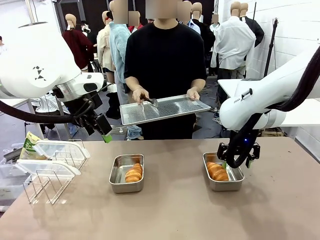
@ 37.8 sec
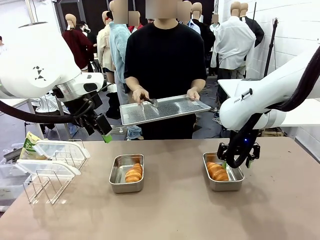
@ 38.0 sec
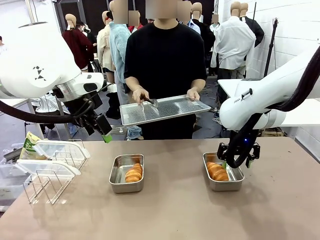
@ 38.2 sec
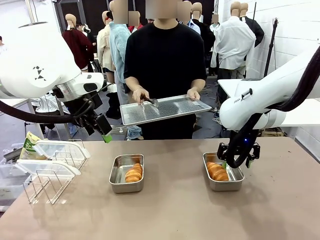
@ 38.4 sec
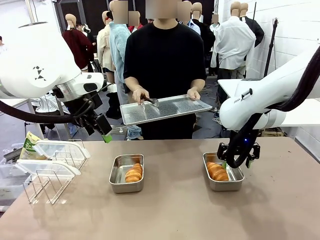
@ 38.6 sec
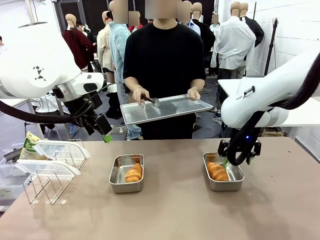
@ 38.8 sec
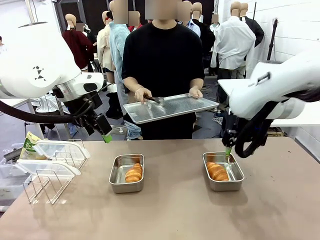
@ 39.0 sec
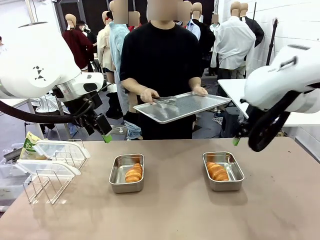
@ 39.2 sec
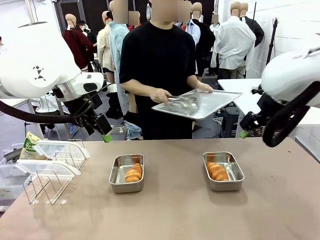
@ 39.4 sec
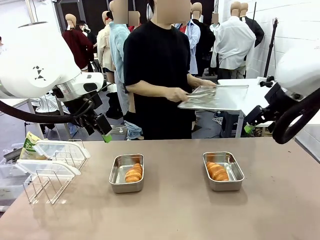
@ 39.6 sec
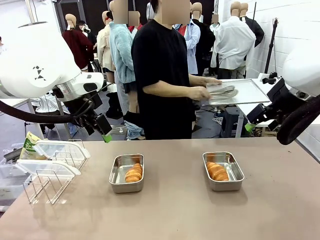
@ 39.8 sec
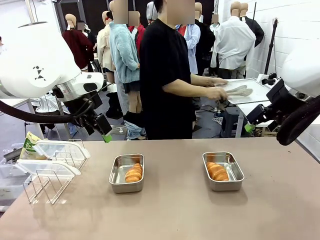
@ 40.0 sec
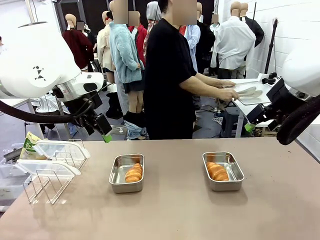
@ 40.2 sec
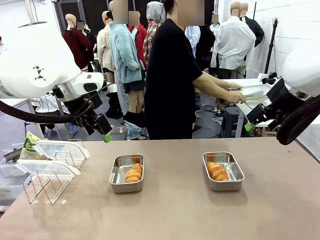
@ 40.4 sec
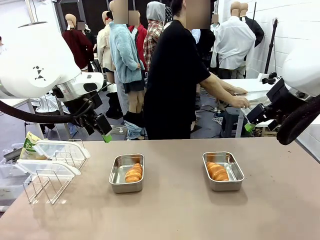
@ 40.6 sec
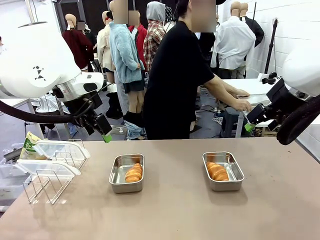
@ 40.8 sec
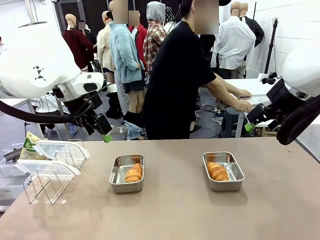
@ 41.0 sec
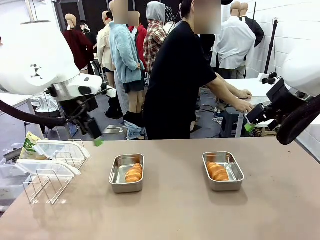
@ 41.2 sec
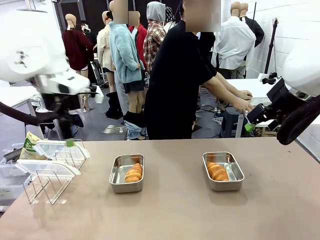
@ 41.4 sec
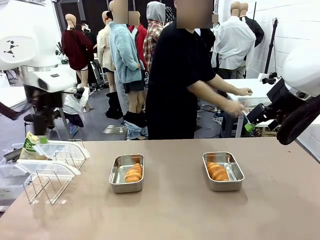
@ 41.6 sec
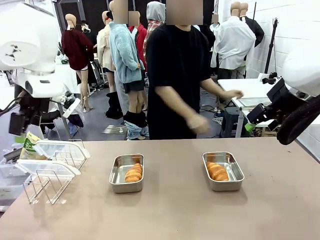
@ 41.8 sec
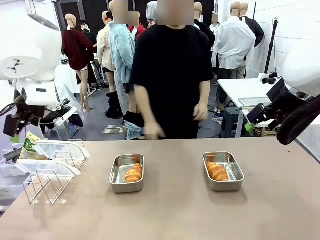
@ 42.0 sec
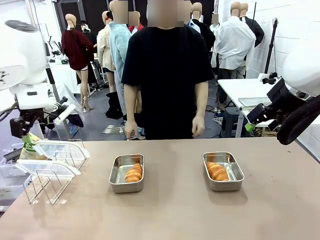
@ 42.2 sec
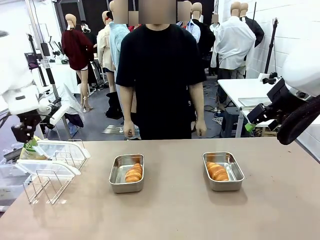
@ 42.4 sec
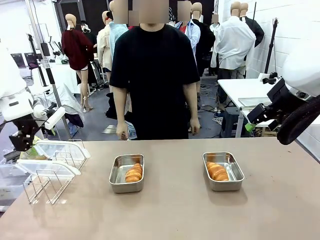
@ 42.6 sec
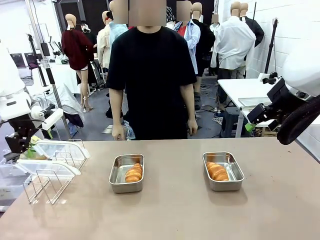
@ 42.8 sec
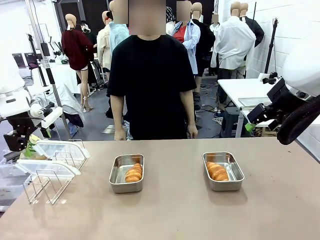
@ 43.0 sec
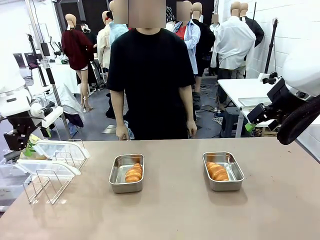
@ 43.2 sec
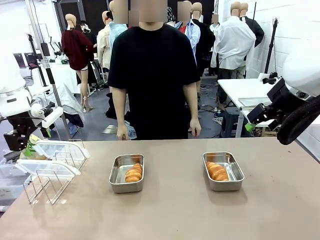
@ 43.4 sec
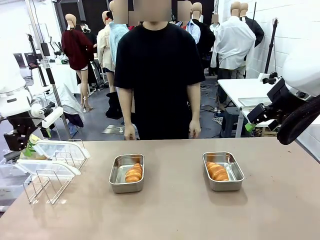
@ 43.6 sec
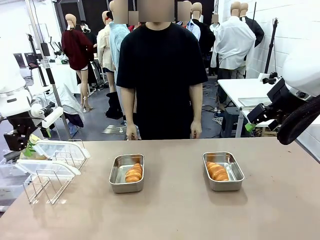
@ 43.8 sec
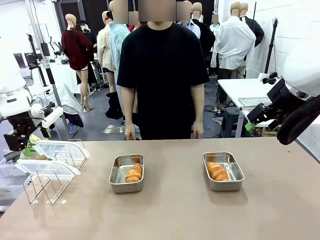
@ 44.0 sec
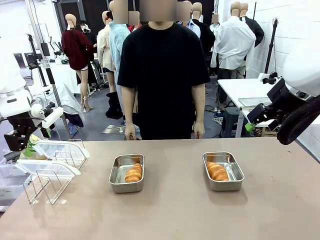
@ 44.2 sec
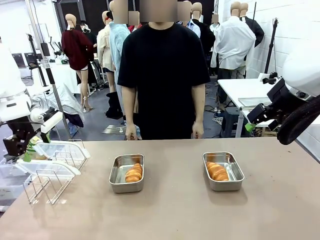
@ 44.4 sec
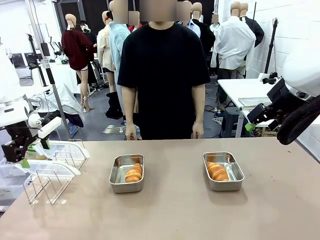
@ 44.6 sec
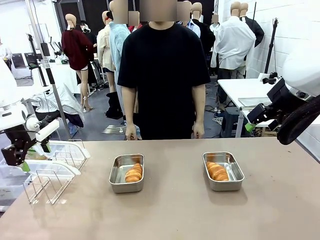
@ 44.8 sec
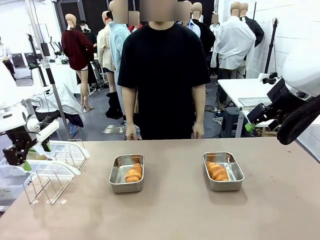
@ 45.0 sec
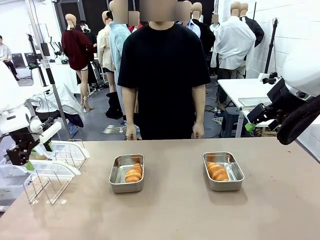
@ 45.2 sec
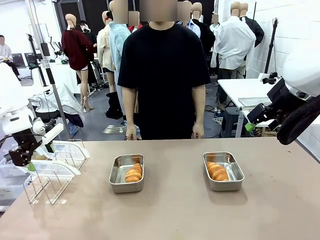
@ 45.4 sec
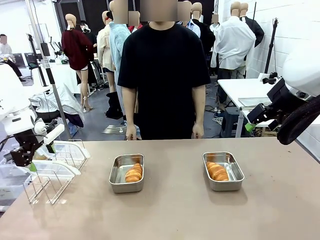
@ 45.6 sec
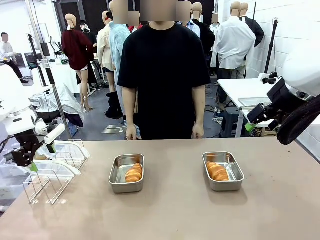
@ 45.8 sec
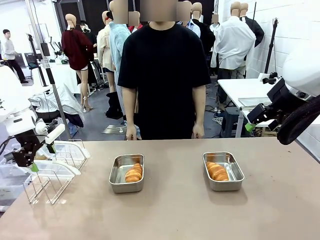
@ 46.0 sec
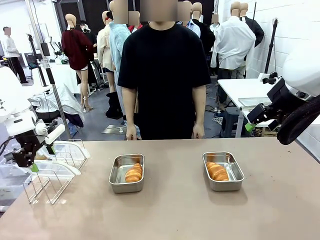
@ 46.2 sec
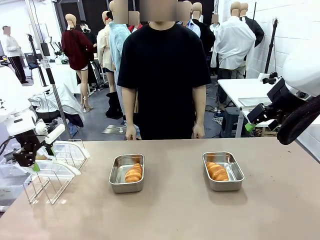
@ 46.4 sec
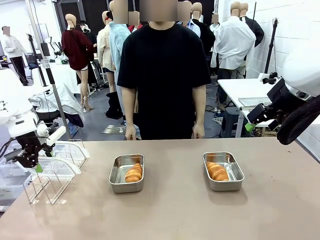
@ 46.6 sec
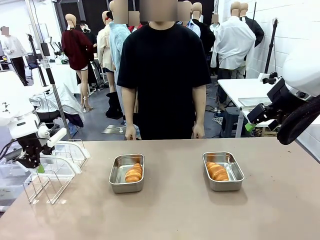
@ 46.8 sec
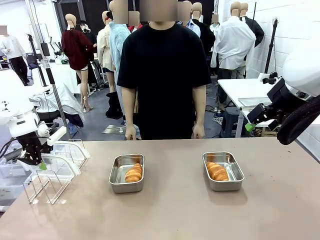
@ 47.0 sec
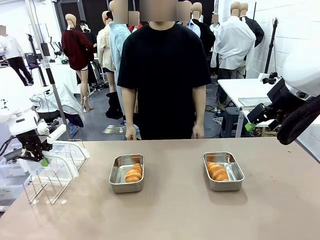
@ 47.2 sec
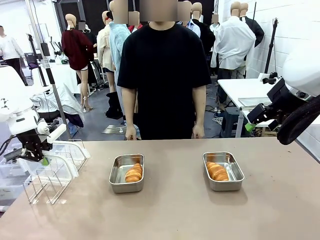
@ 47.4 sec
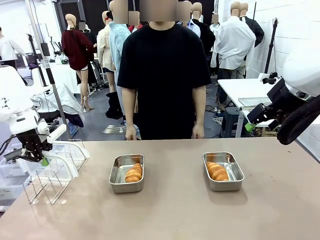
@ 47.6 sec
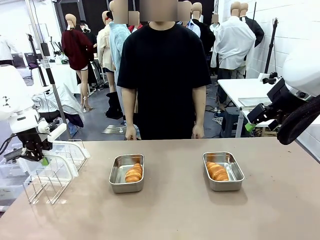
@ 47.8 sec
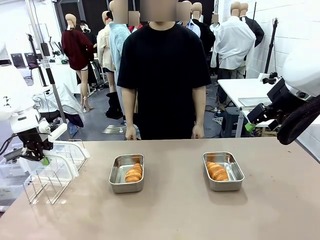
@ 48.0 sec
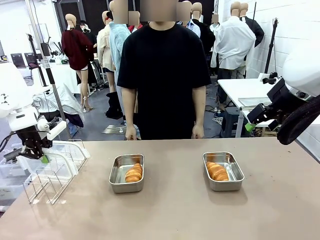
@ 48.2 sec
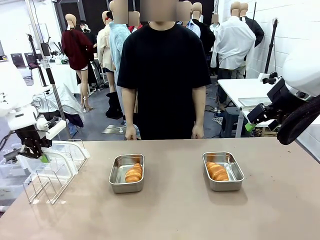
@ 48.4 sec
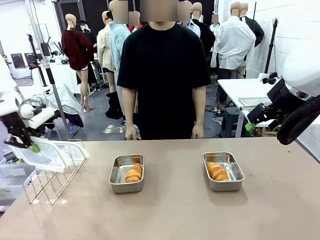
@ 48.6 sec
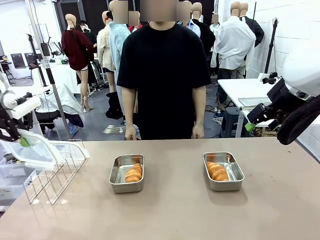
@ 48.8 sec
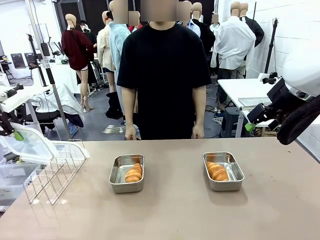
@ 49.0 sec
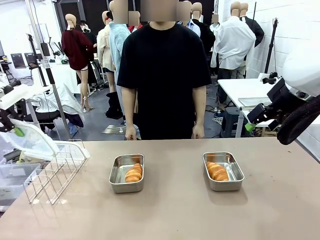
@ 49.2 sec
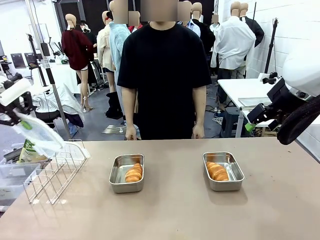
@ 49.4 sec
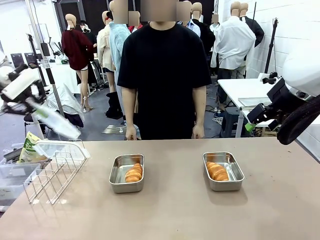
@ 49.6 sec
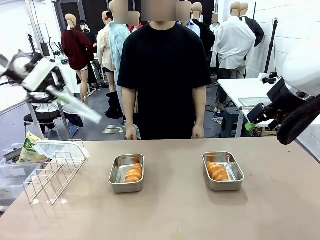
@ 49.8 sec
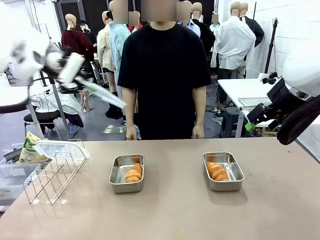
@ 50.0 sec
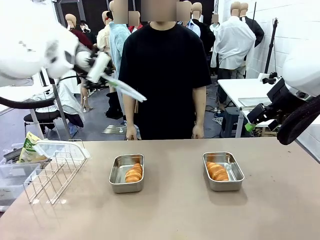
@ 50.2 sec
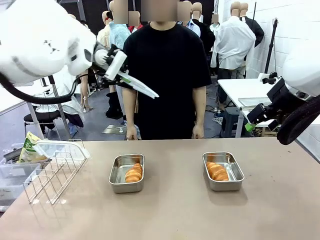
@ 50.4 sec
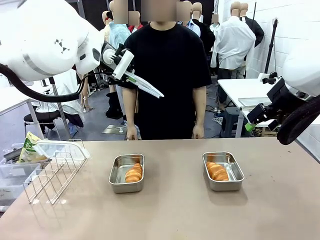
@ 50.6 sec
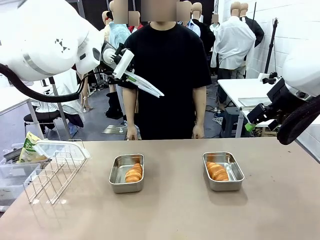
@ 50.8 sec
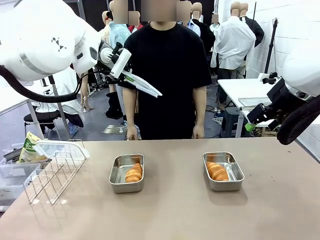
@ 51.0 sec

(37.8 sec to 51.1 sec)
Task: Place the bread in airtight containers.
Robot: Pick up one Airtight Container lid and hand it to the human.
Person: Place Baking Sheet on the Human's Table. Grip Airtight Container lid that robot is handing.

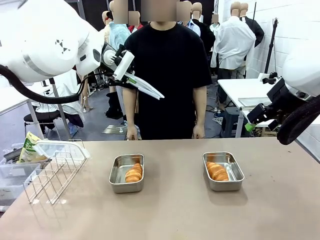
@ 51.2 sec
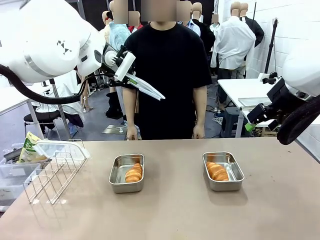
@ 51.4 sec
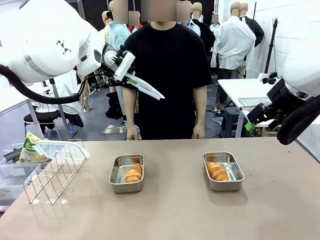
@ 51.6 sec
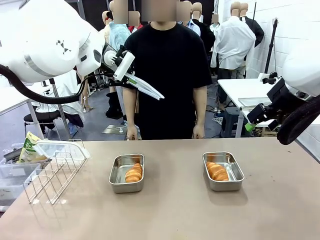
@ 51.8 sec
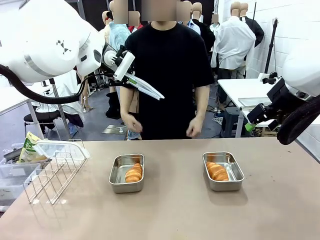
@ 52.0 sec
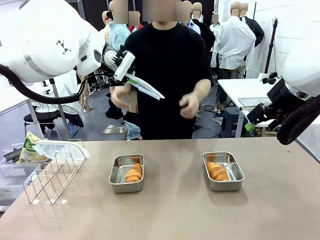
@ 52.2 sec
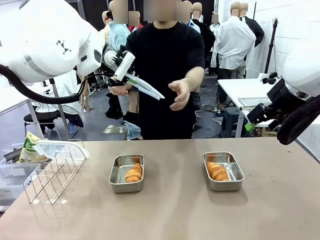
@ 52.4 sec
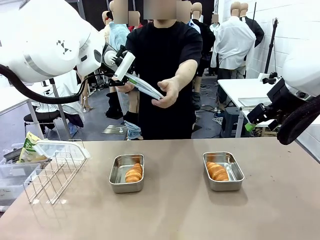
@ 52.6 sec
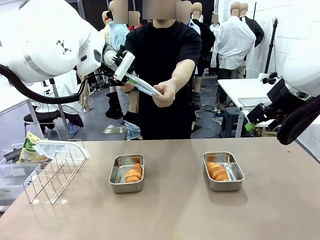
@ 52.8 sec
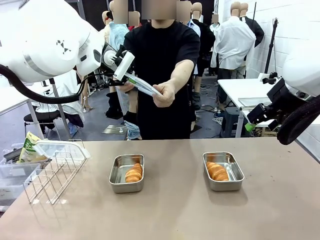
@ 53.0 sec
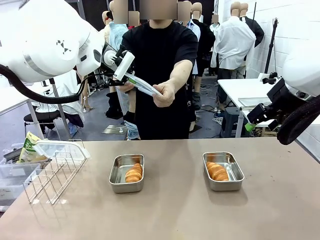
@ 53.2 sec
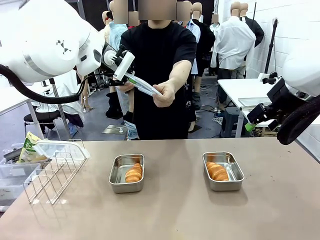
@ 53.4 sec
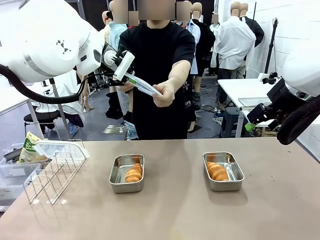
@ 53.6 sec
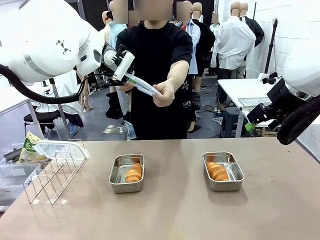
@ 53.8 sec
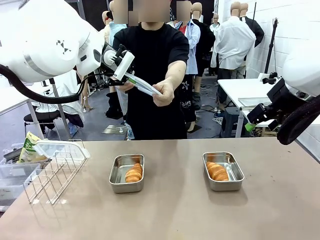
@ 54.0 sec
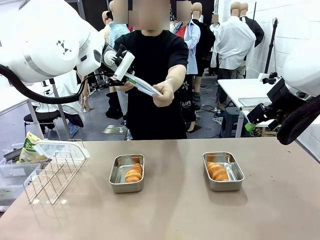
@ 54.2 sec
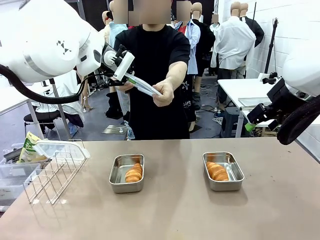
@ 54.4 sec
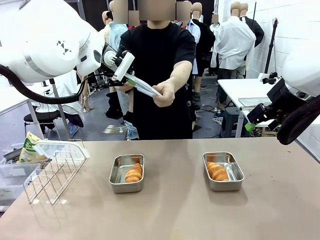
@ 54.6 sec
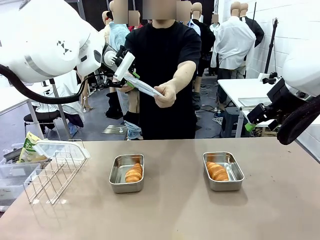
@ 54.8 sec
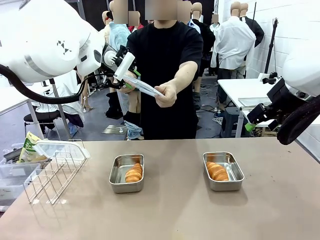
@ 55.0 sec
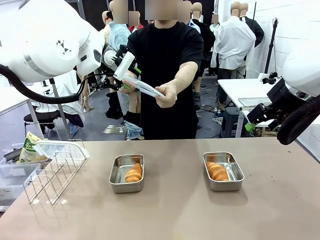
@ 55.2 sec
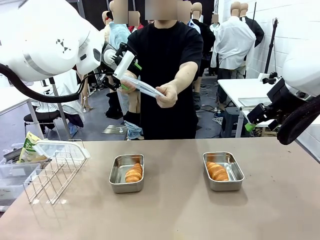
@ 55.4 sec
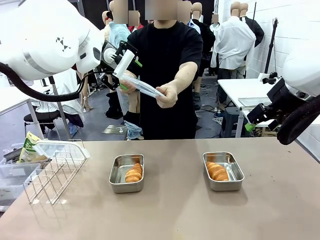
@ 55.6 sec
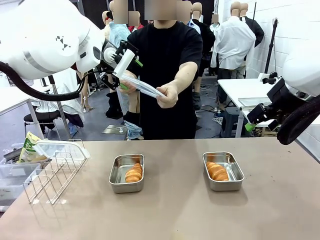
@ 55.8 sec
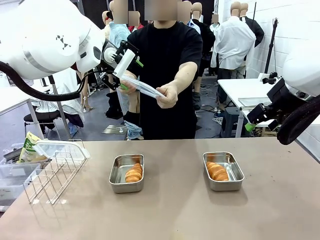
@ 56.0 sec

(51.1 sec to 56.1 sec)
Robot: Release when the human grabs the Airtight Container lid.
